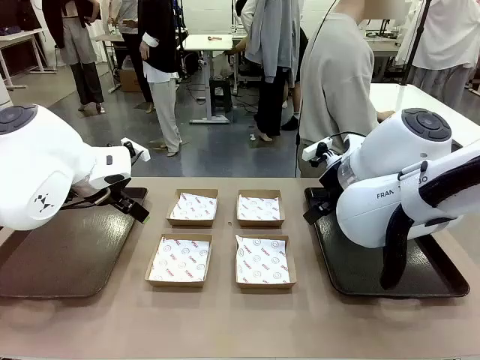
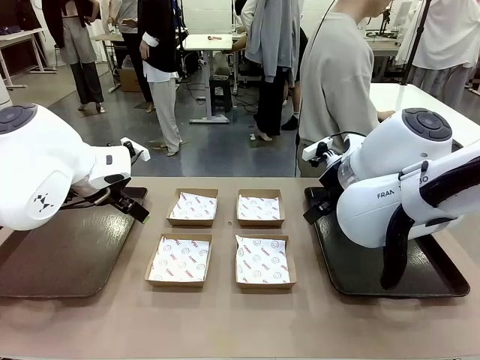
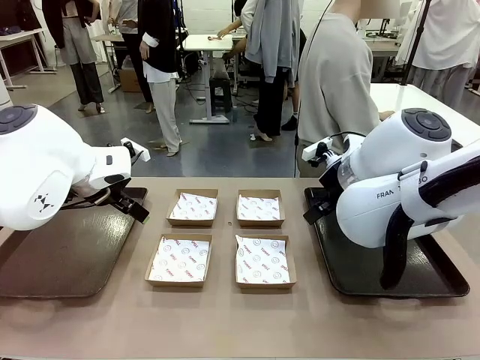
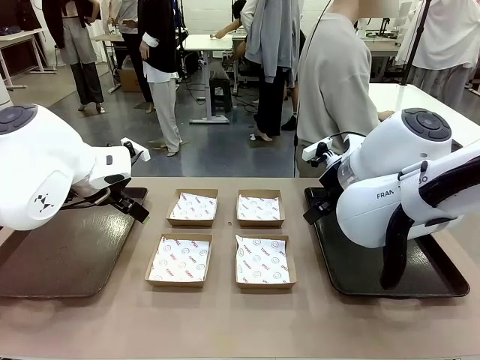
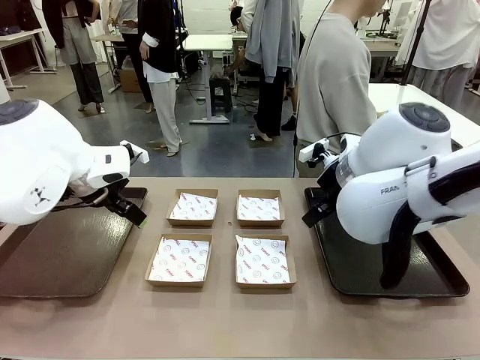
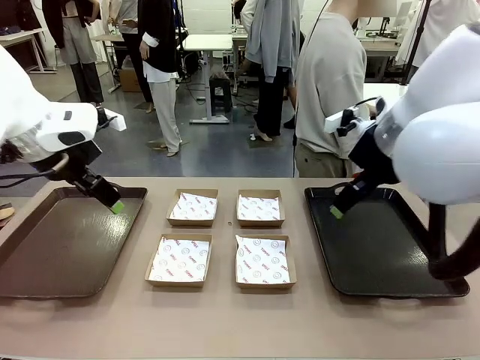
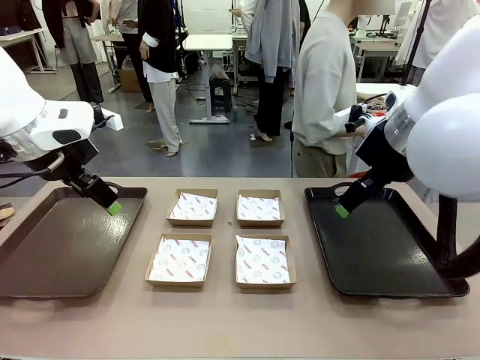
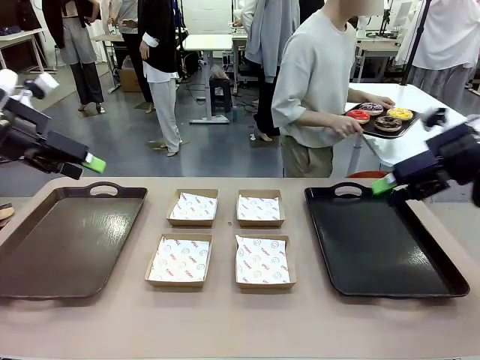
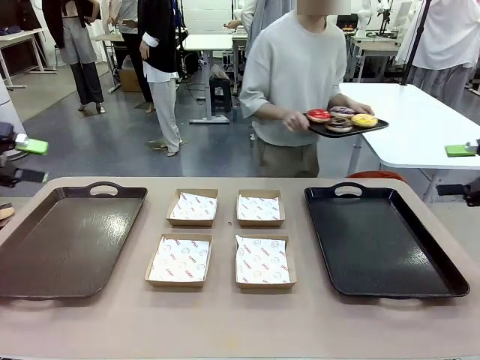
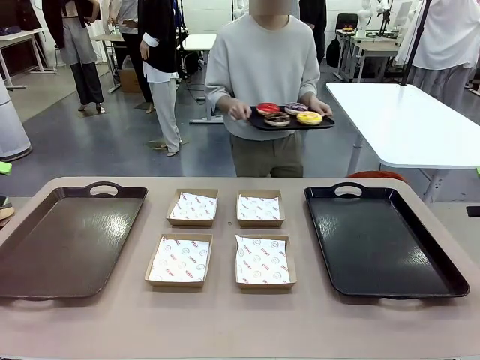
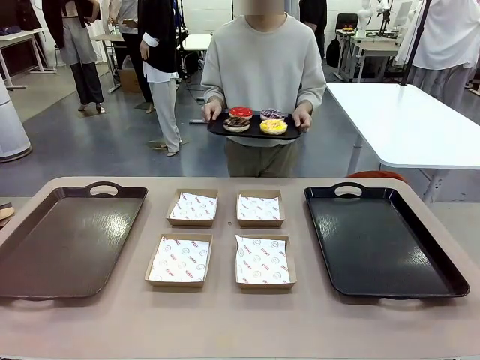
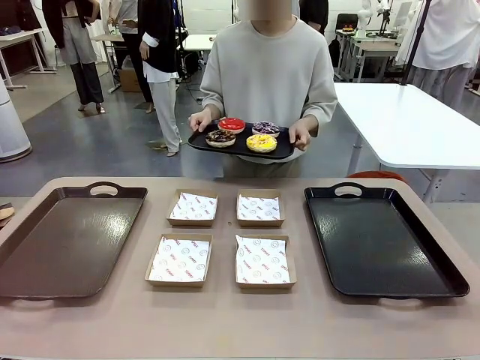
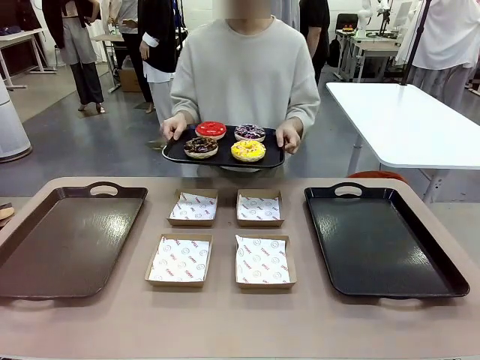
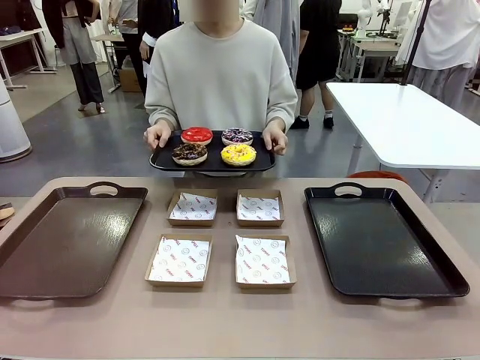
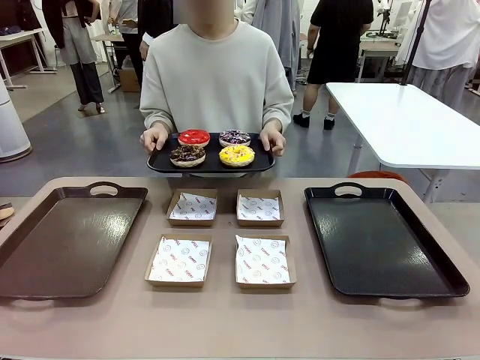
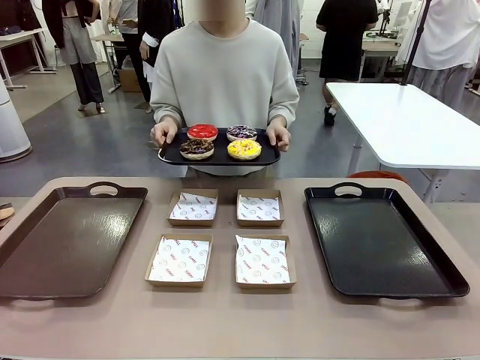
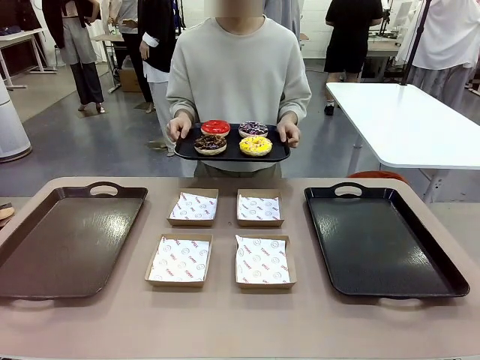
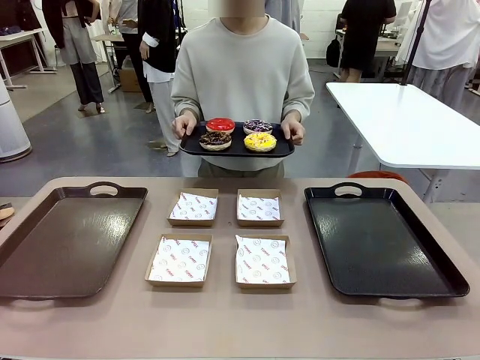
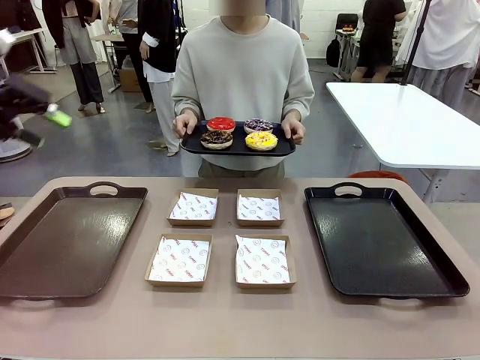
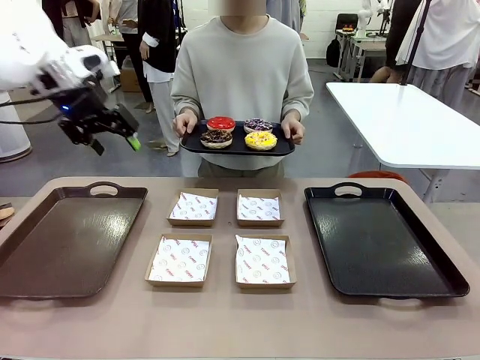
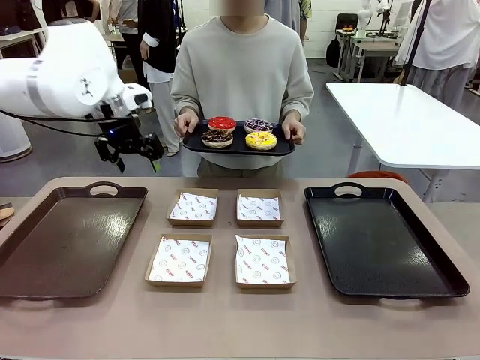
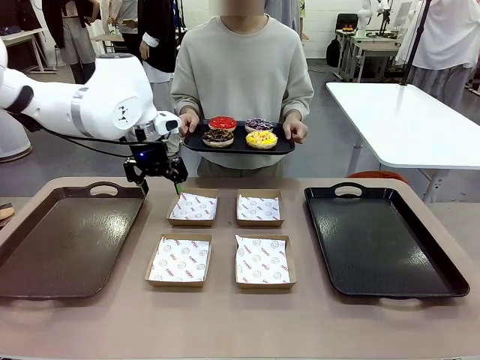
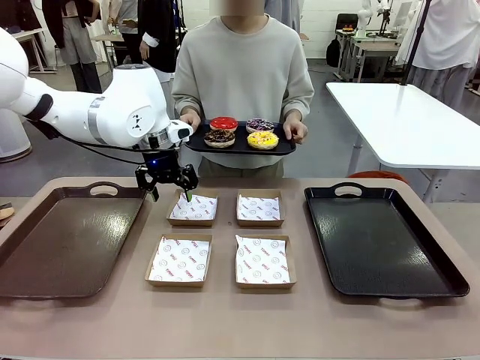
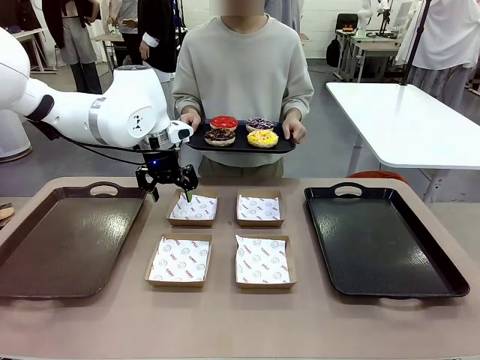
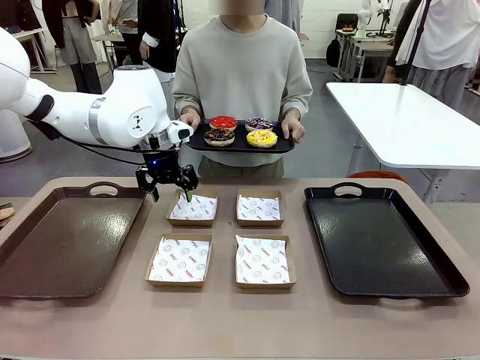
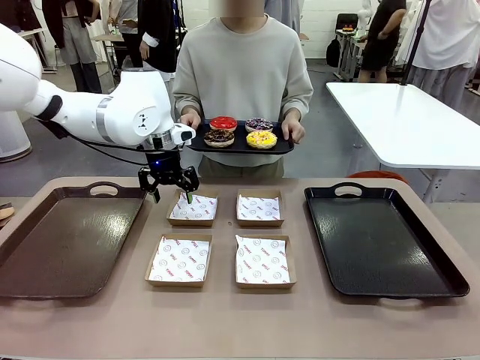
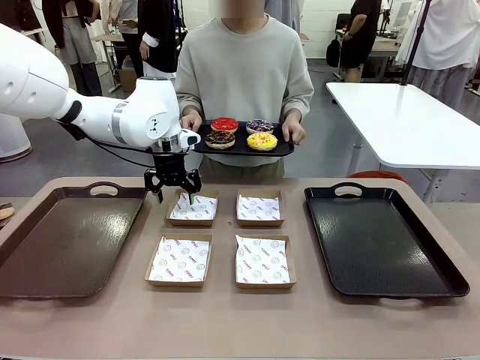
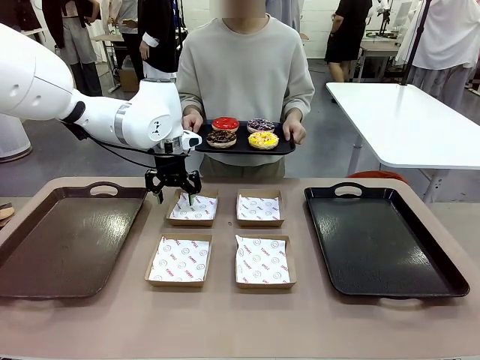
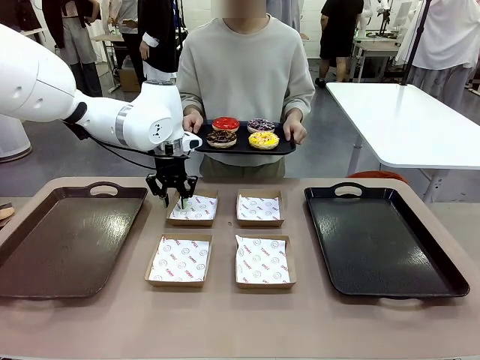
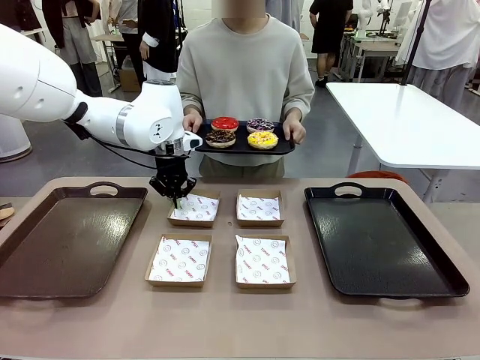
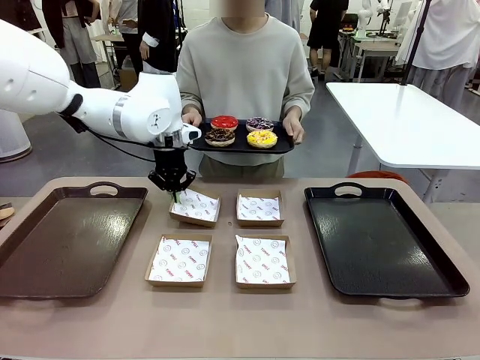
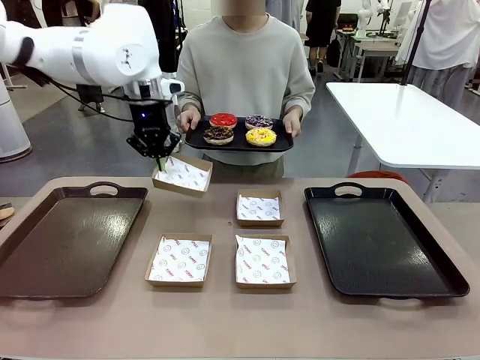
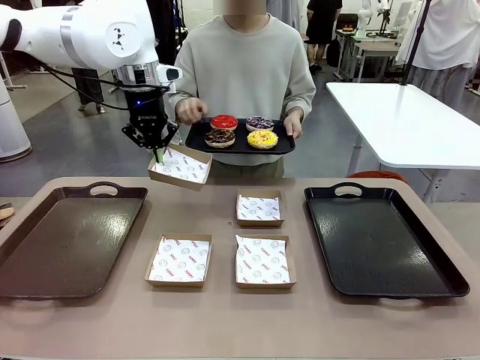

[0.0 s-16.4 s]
Task: Individually package the donuts and arrange them on the tray.
Robot: Pick up one Paper togo box.
Person: Stand in front of the robot table holding the tray containing the donuts.

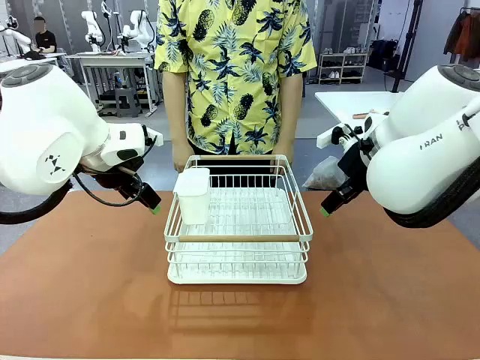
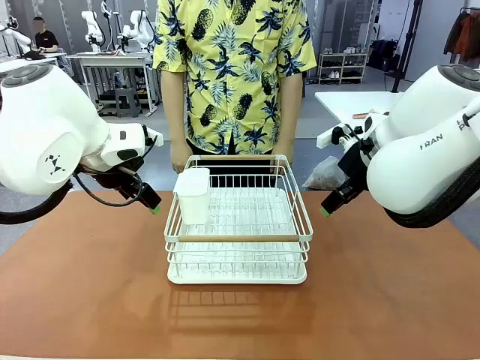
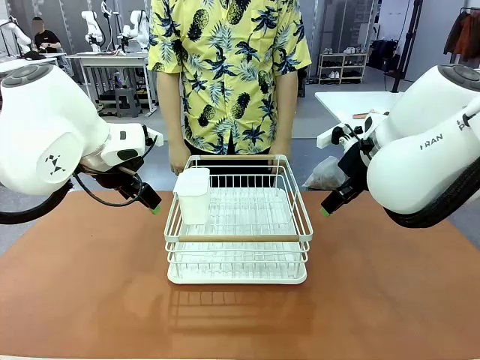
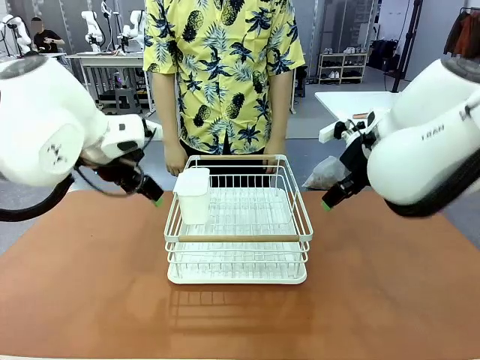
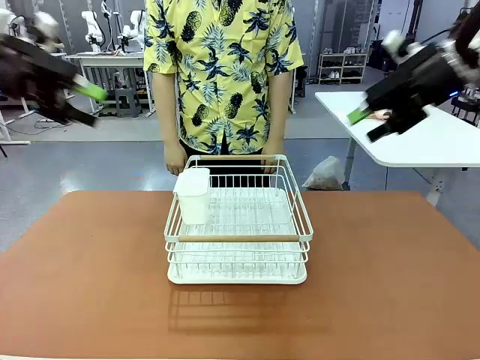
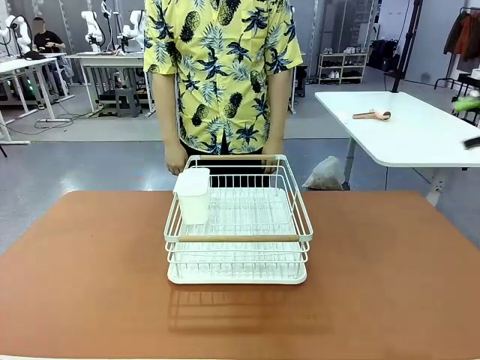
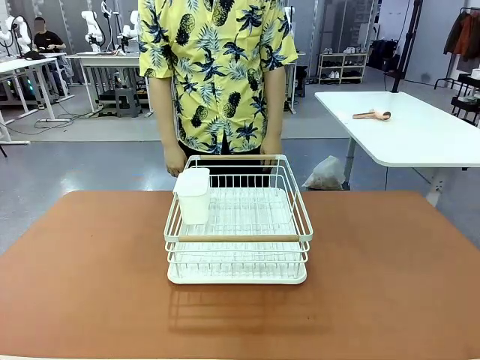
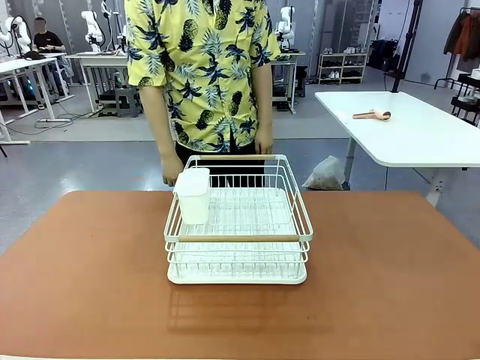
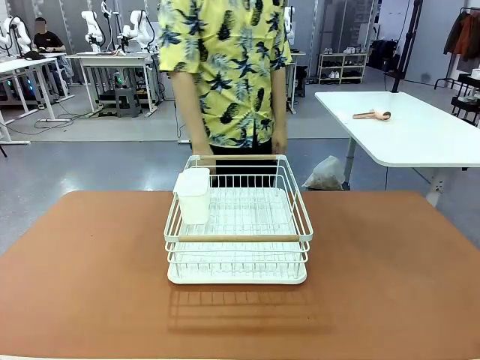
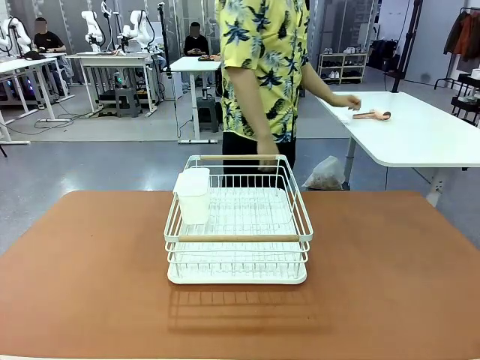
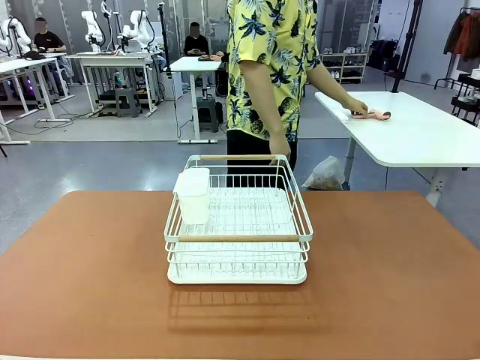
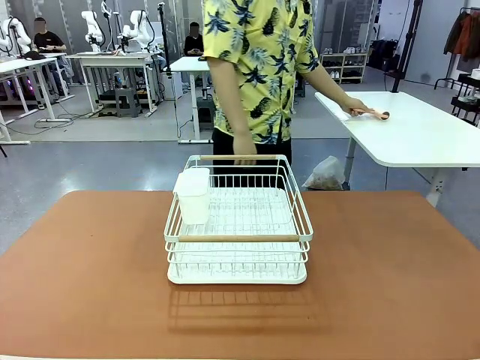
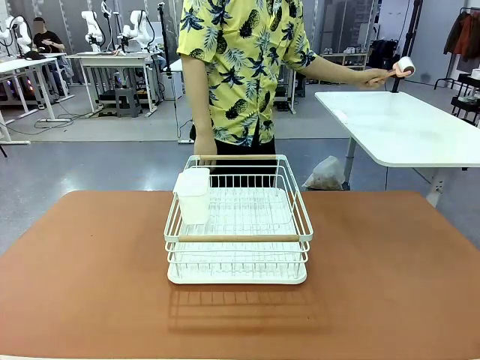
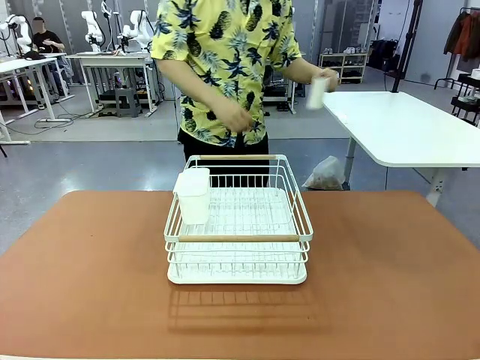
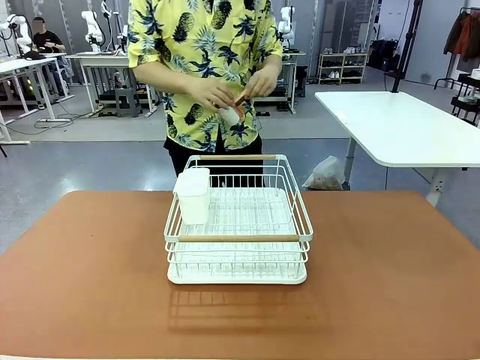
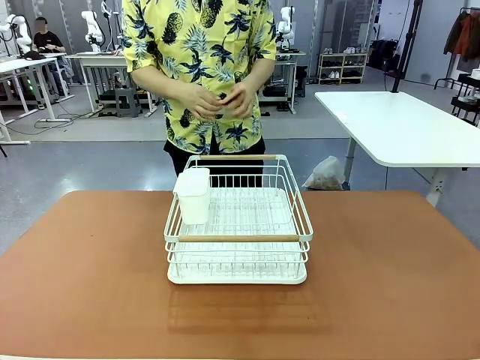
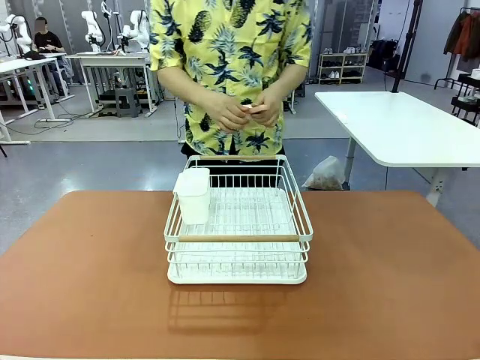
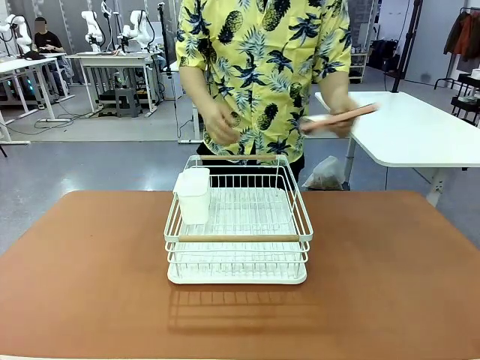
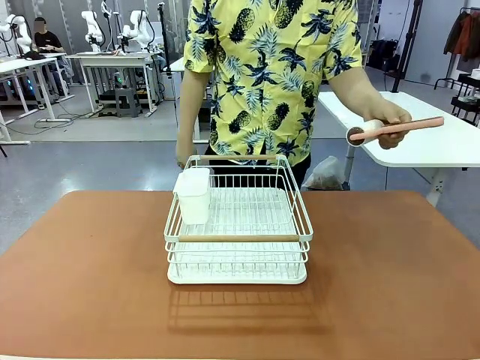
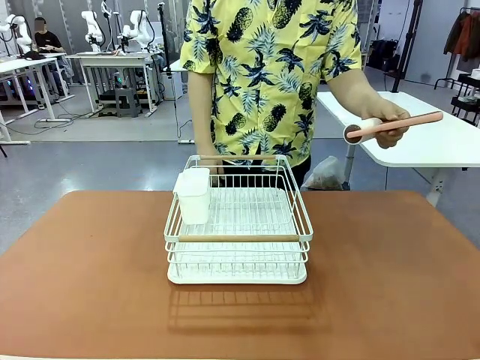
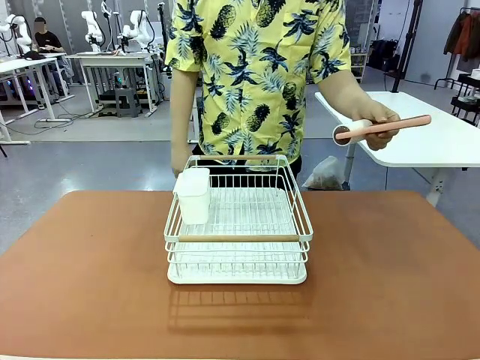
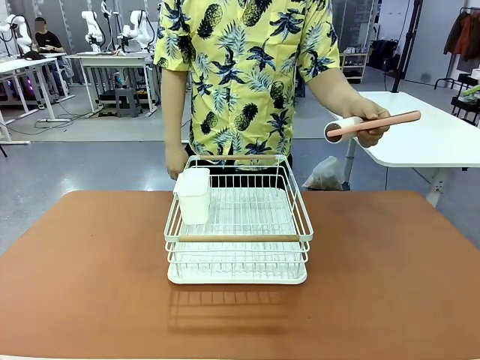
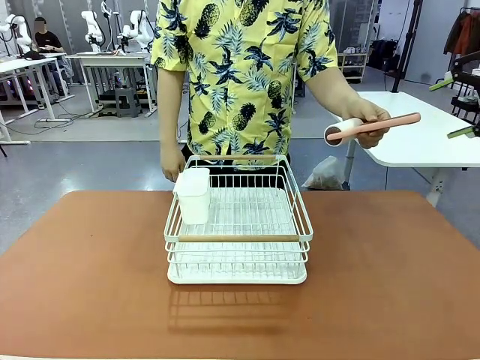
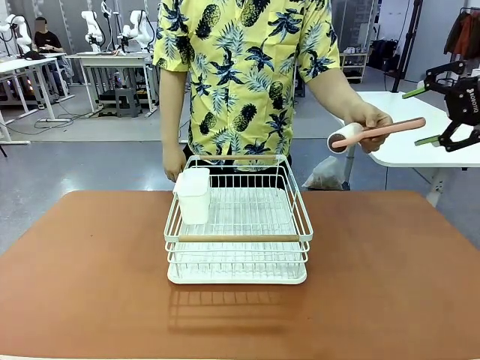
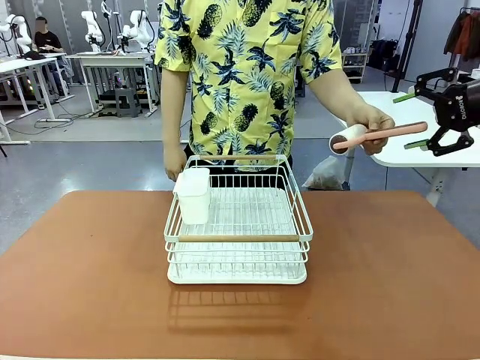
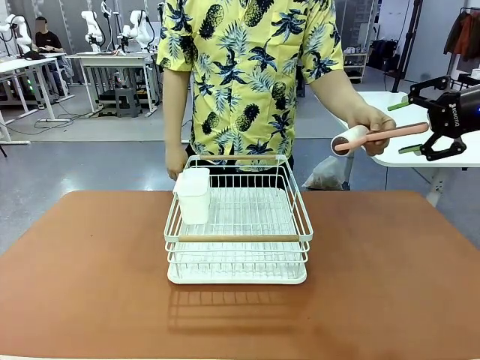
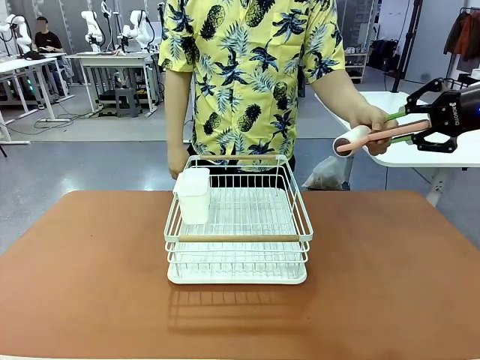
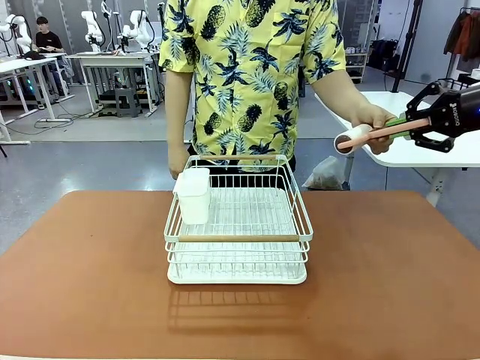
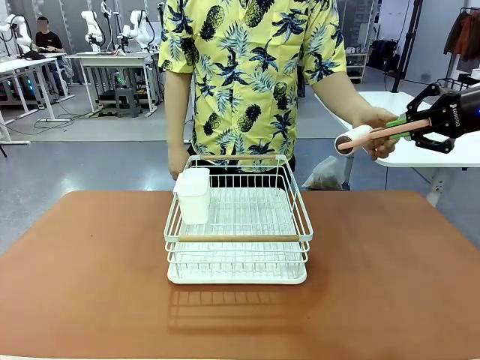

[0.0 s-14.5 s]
Task: Clean the table.
Robot: Pick up the Lint Roller when the human hands it over.
Person: Hand the Lint Roller to the robot so it can easily pick it up. Lift the Dish drying rack.
